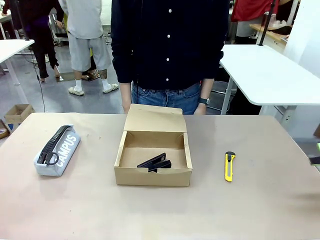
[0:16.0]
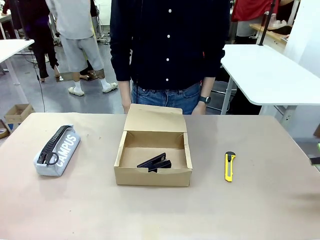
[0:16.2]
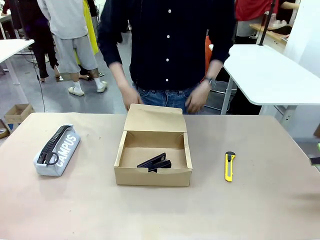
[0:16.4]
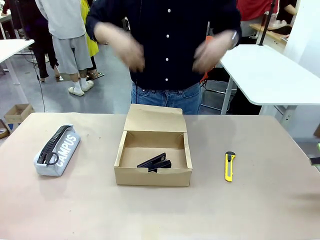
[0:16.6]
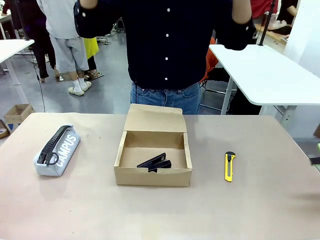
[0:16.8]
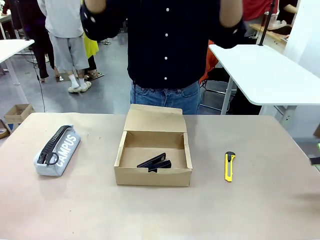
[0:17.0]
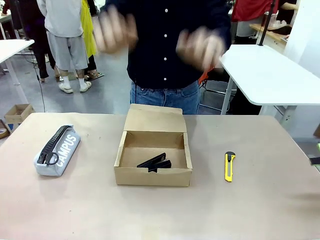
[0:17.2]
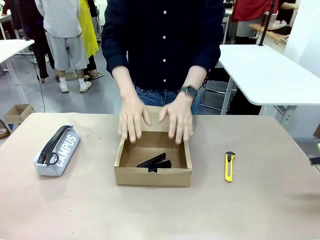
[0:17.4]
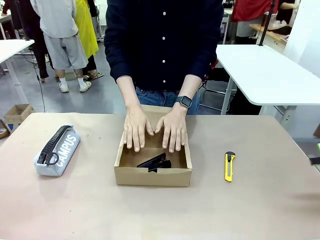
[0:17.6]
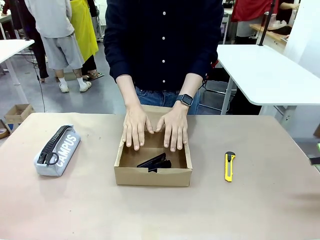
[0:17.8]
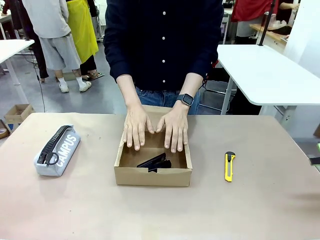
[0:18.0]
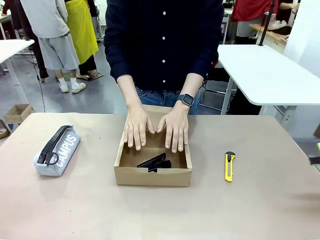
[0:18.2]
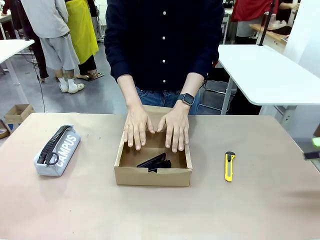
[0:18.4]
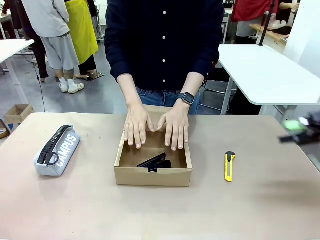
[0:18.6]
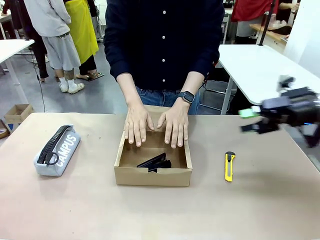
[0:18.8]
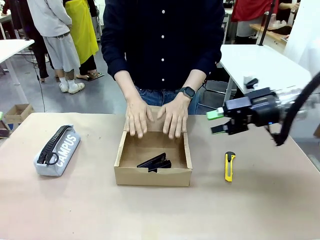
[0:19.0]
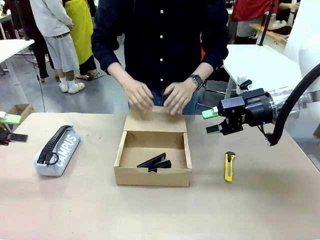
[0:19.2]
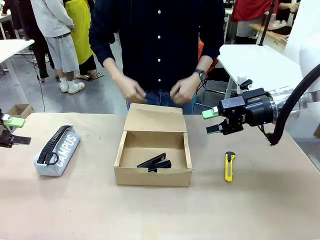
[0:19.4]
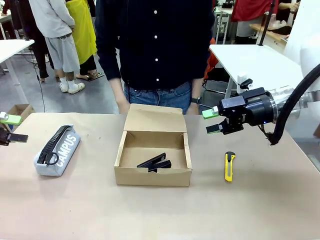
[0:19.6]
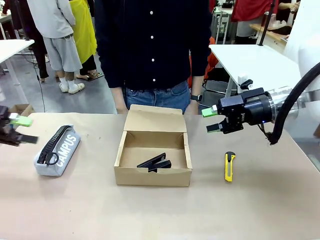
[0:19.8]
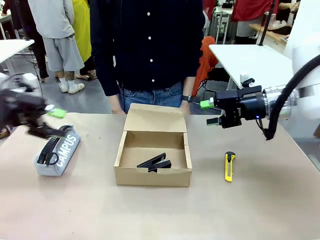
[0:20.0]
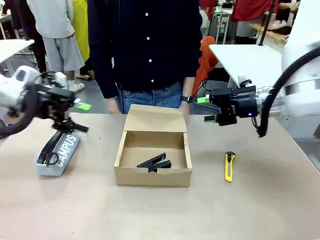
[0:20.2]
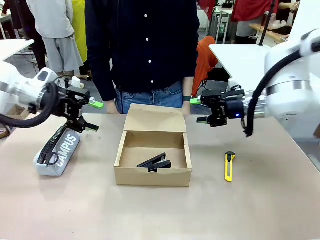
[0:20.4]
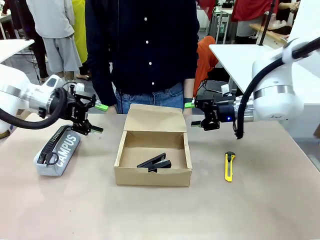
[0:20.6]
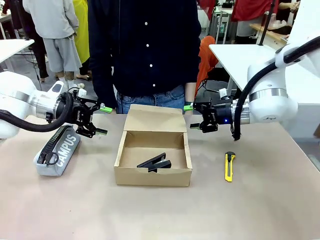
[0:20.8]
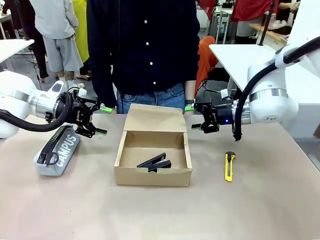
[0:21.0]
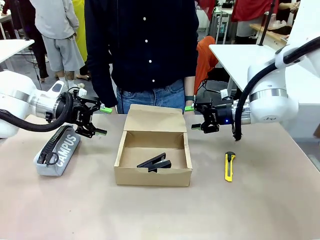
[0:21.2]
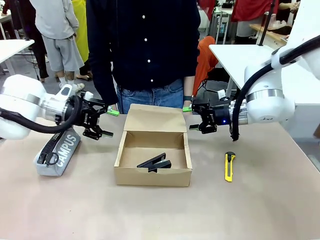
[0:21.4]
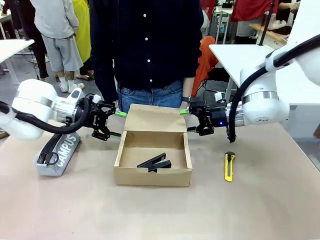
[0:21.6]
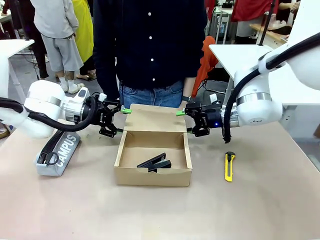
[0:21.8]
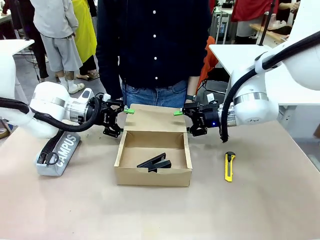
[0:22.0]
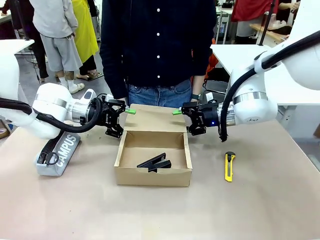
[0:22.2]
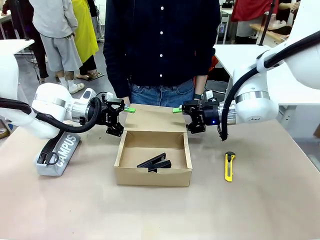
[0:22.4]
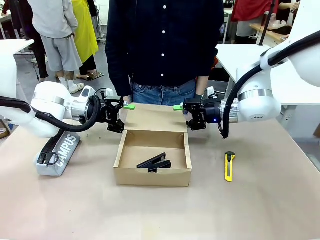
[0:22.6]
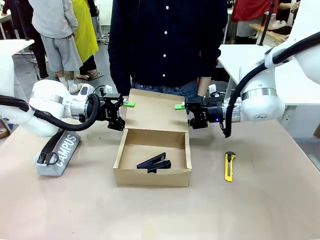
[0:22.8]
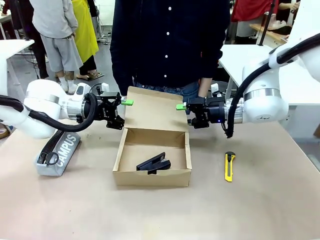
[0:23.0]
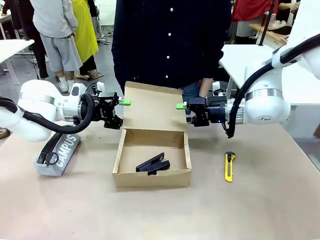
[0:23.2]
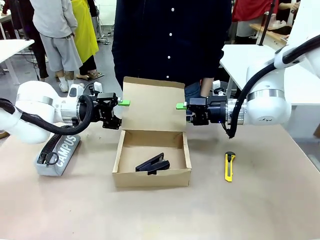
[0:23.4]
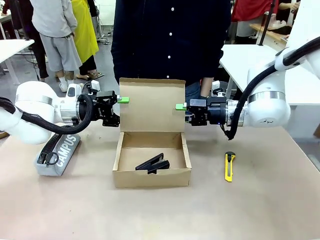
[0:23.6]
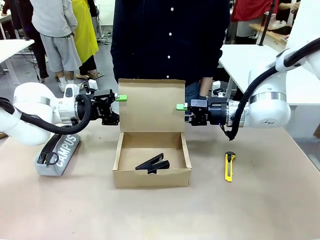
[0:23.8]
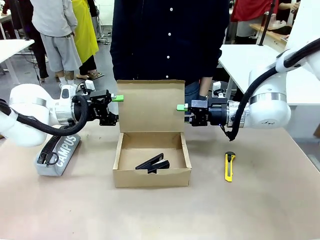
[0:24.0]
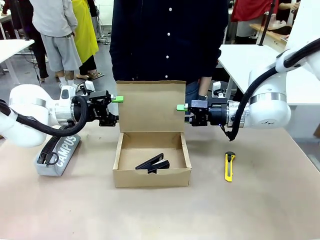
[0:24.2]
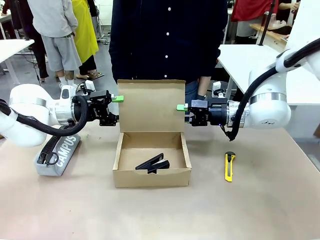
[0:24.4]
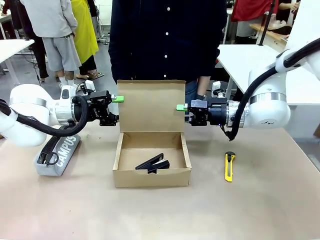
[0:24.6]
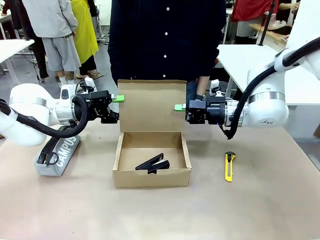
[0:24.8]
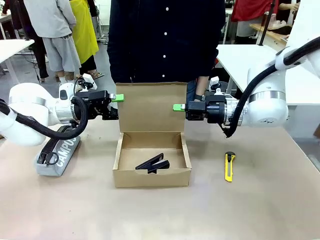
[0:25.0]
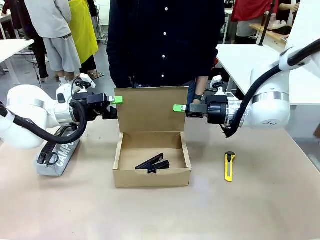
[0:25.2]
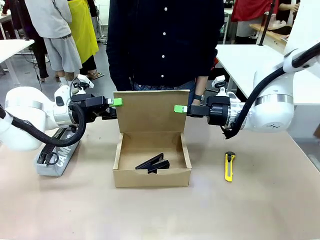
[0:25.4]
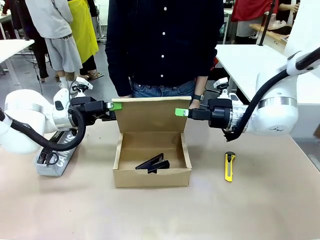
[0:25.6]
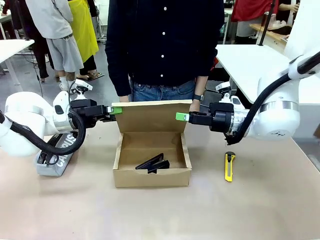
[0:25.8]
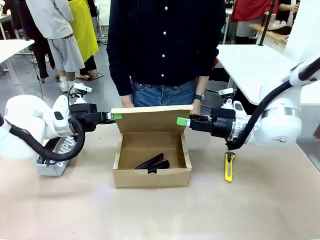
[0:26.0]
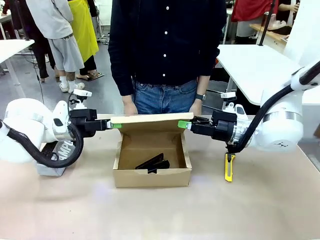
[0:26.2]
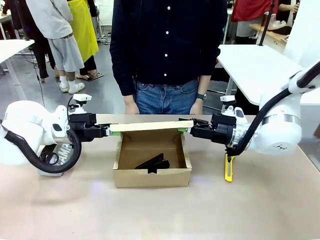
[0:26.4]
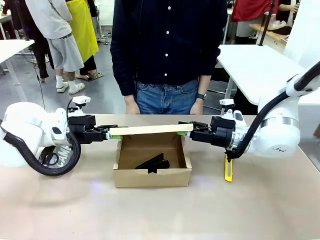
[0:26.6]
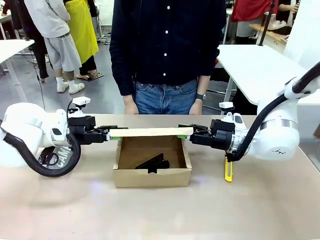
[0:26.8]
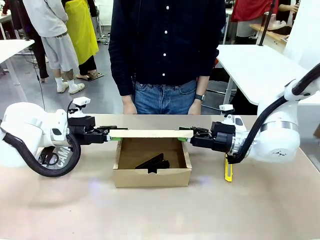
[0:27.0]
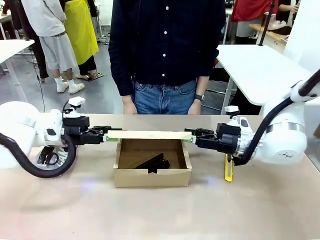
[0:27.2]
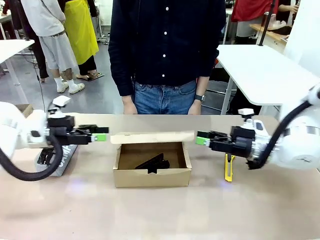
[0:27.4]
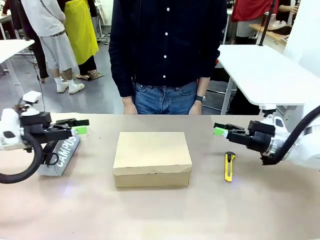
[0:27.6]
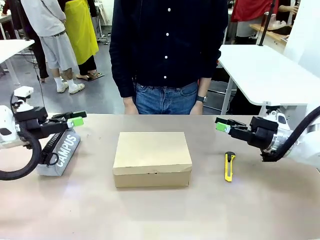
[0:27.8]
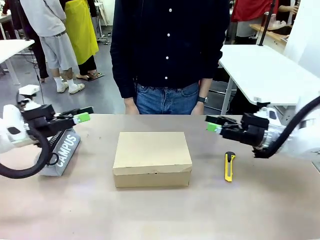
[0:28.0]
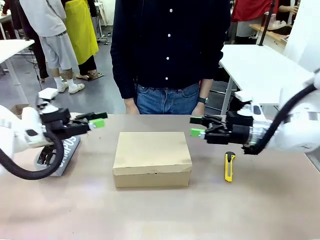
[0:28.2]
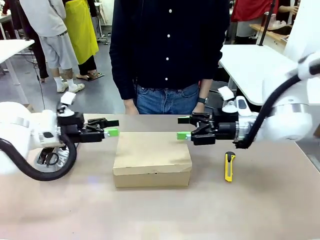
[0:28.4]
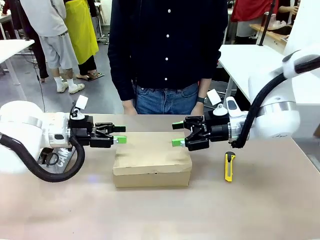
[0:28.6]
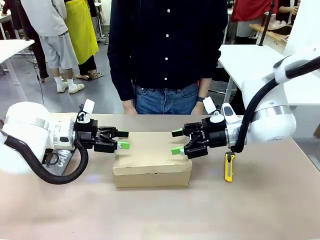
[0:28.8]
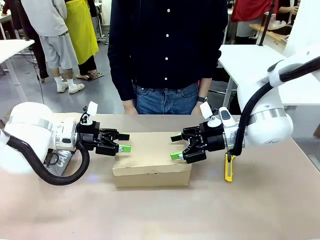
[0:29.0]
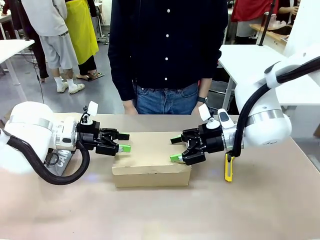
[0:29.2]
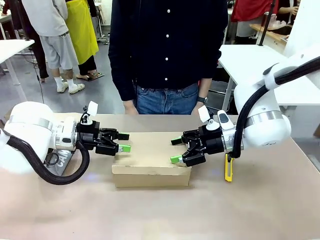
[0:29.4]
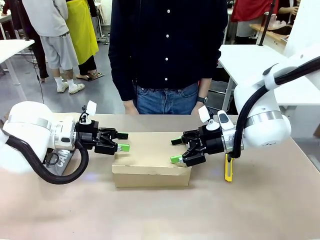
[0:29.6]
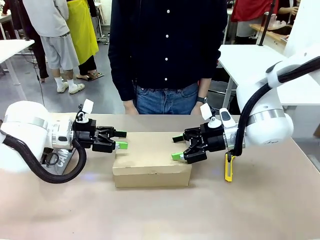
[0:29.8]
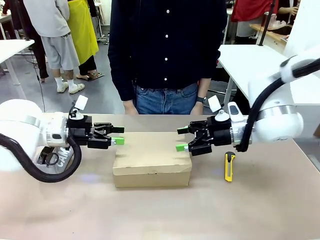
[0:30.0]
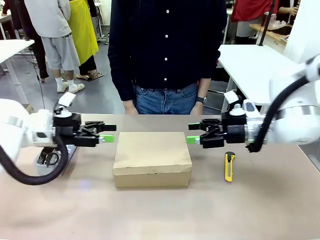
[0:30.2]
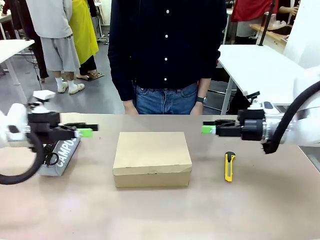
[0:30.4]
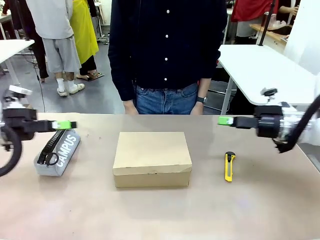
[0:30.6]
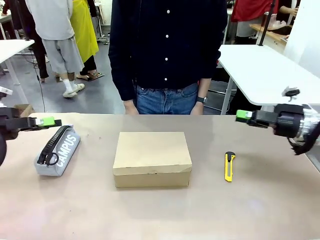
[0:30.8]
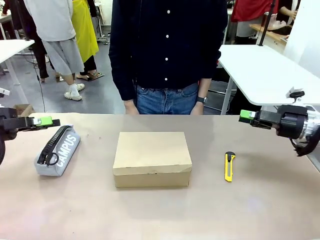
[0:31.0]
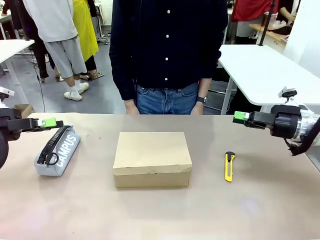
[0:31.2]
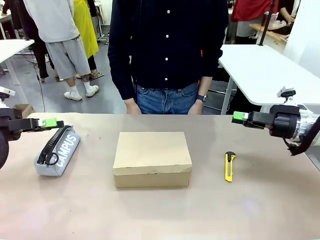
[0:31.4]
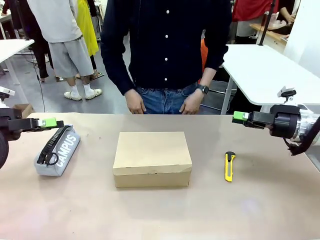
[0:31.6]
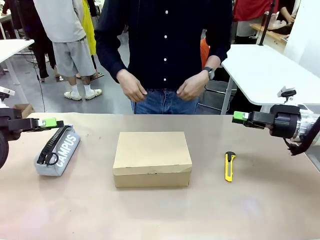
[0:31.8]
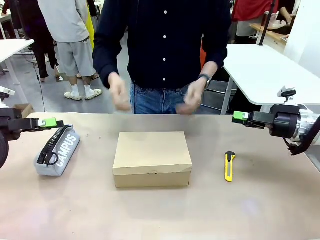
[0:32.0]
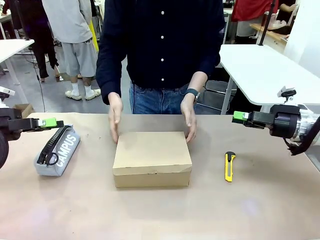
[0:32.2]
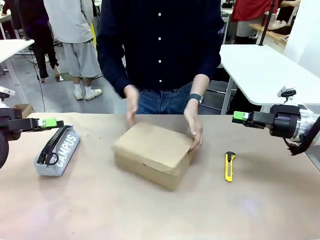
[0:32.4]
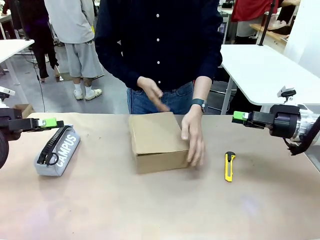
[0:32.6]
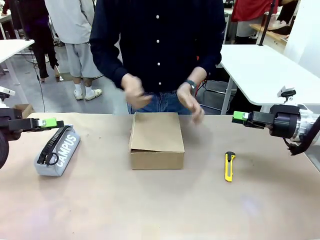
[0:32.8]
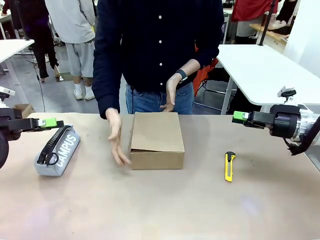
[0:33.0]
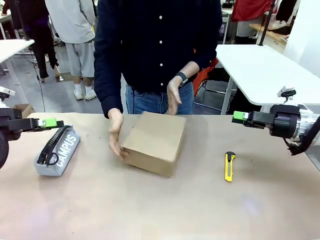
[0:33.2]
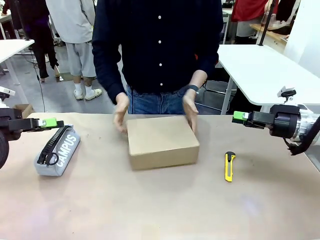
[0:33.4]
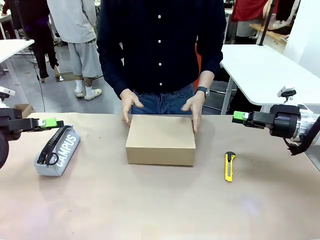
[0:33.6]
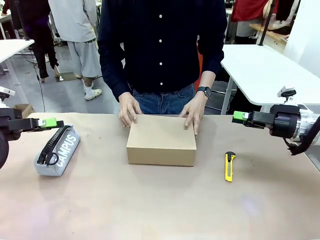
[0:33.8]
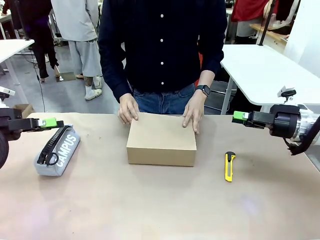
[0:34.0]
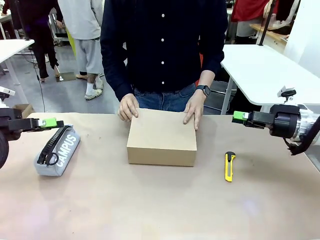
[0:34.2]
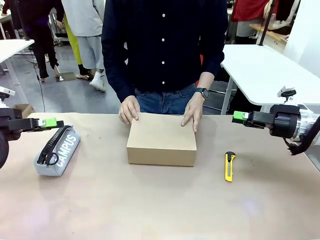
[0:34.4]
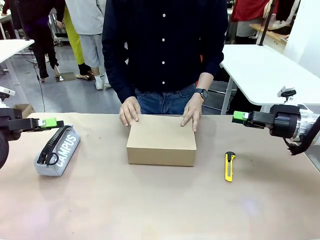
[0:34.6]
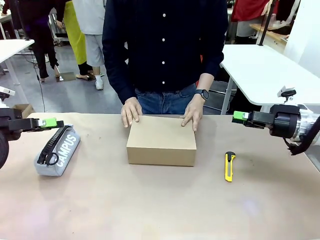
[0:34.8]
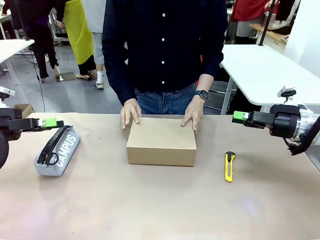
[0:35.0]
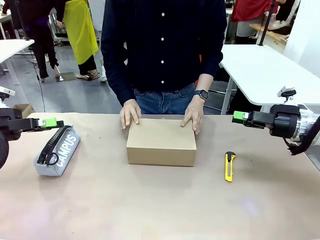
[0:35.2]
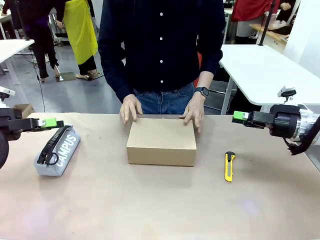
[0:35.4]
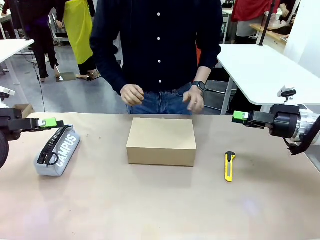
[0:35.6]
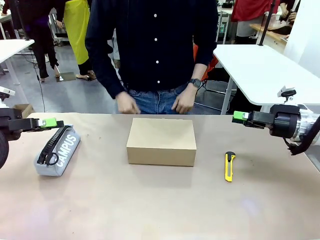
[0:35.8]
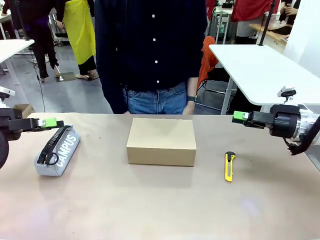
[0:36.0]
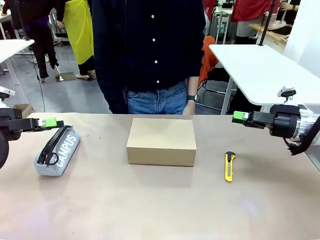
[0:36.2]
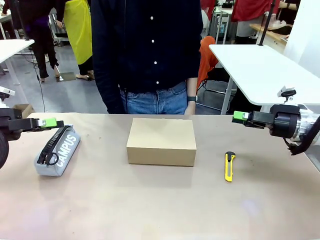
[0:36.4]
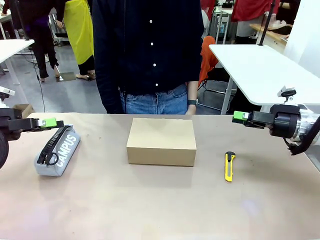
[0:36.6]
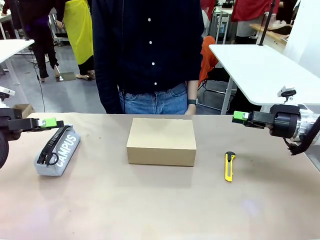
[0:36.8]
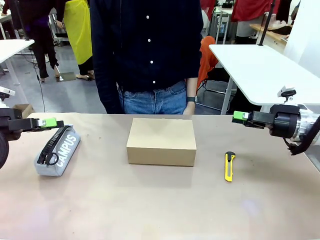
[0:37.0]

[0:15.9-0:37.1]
Task: Pack the item into the box.
Robot: Close the Mailer Box.
Person: Turn the box and lock it.
